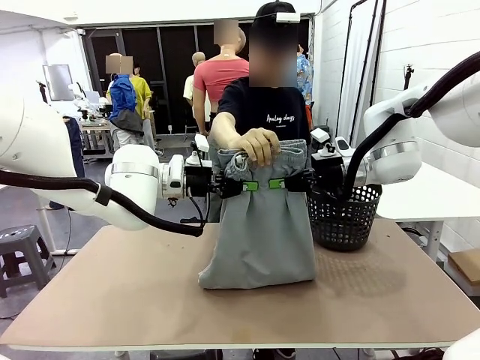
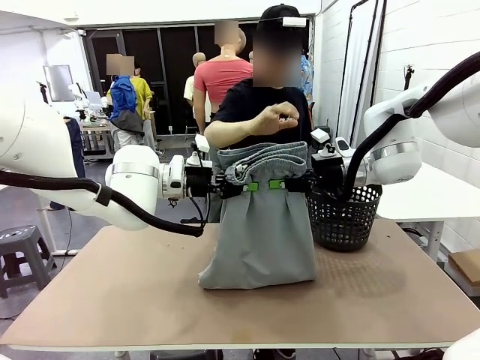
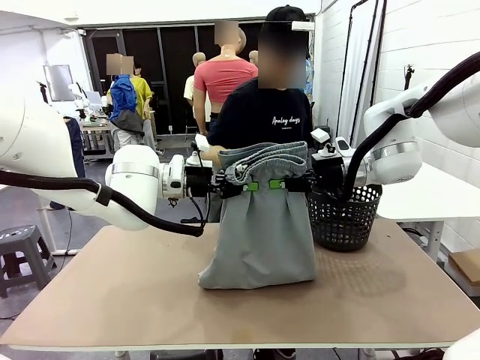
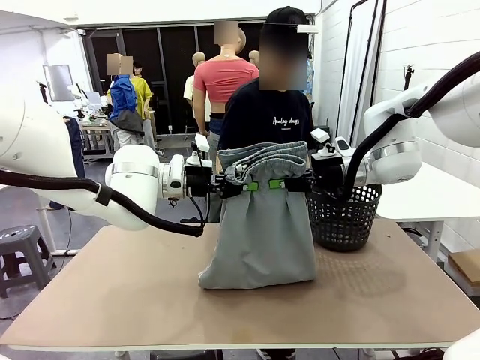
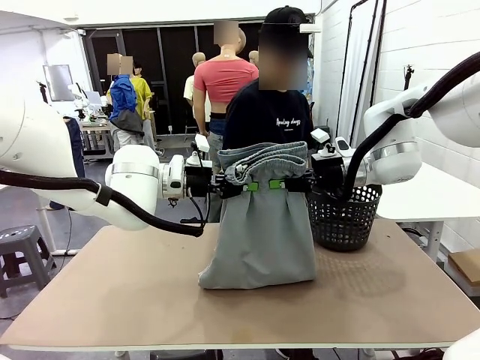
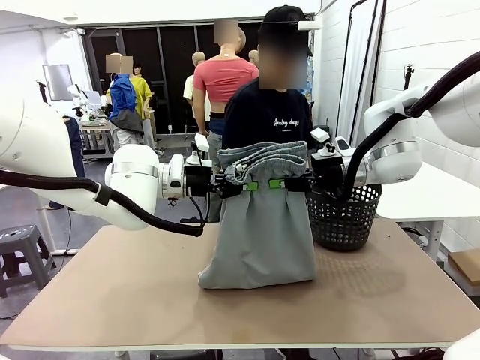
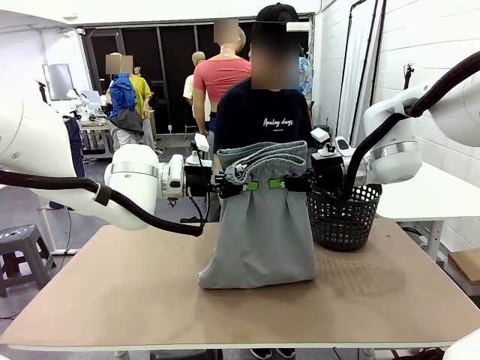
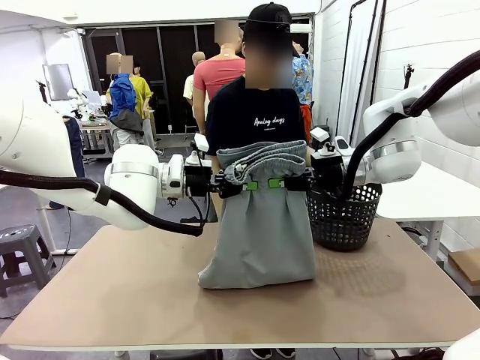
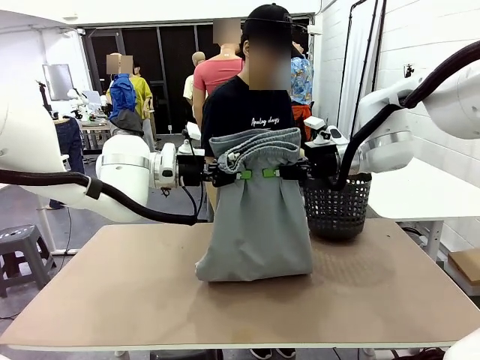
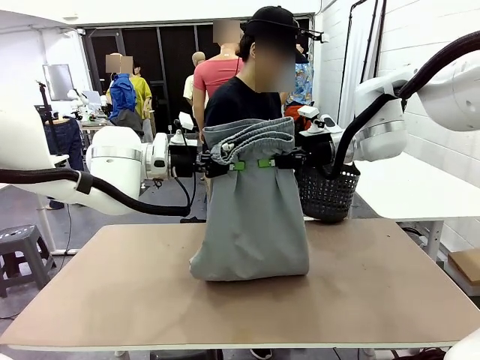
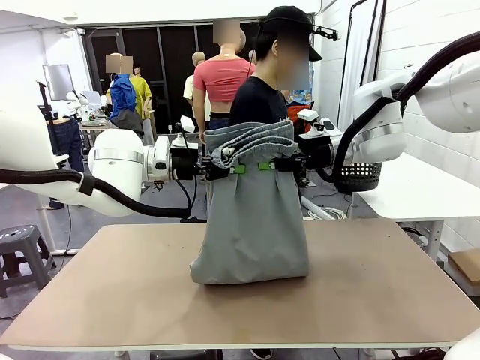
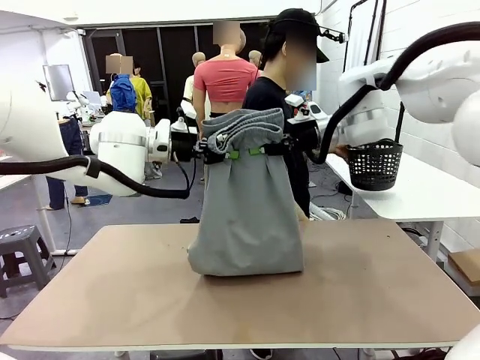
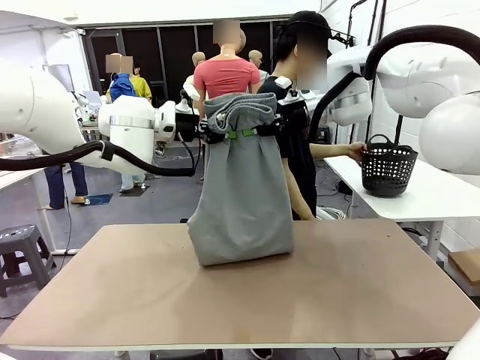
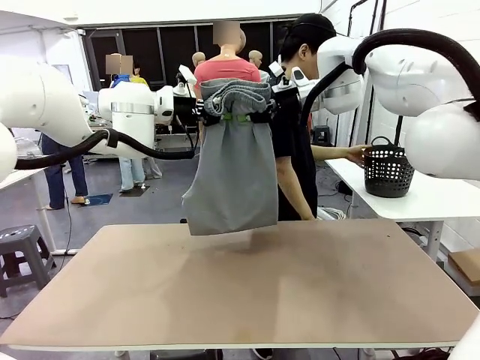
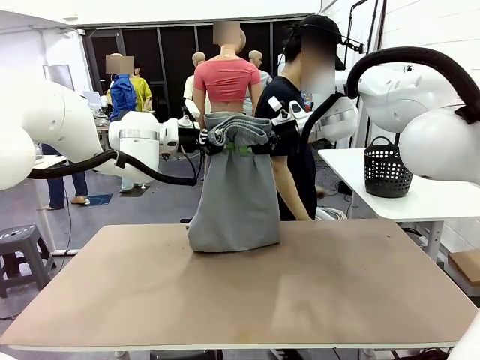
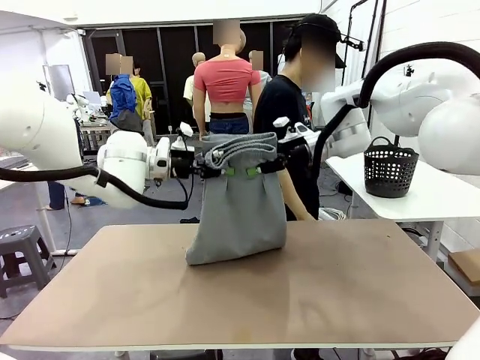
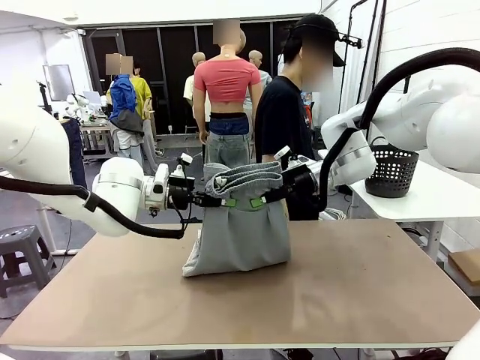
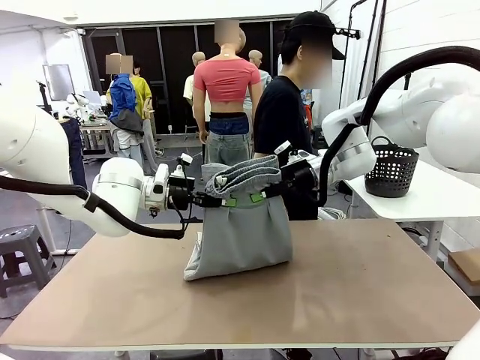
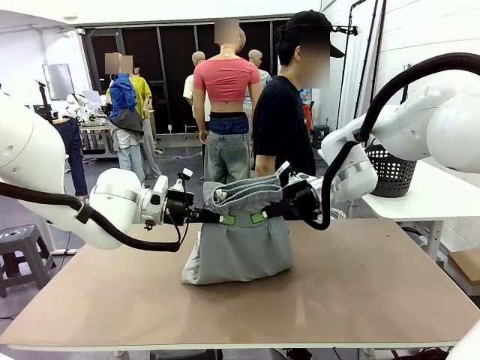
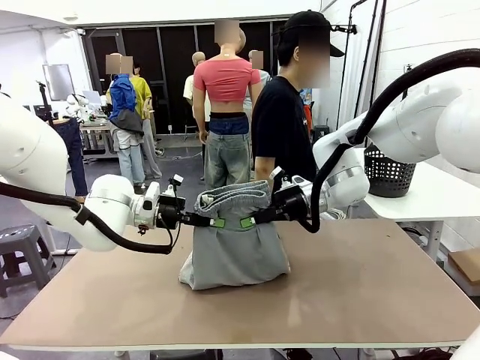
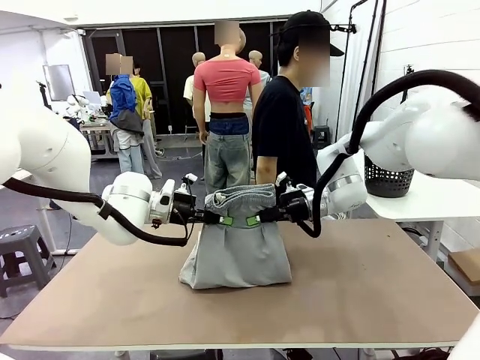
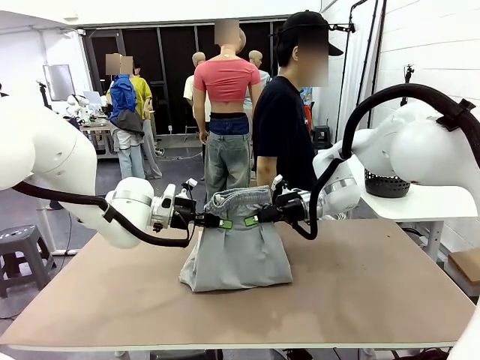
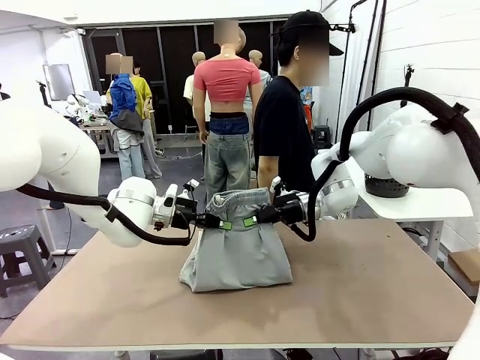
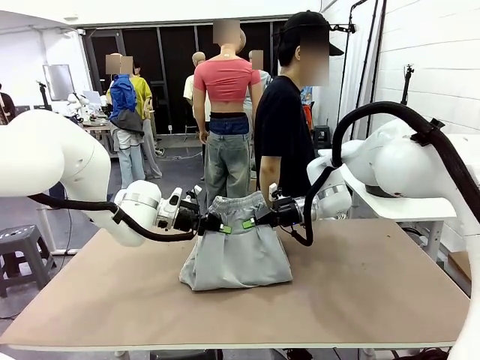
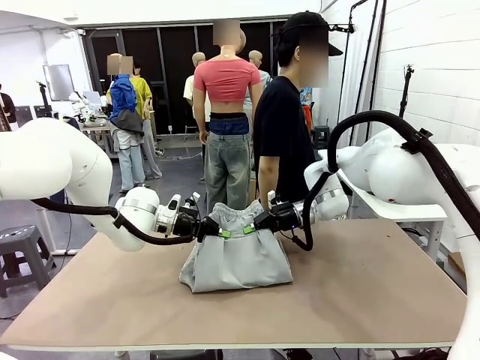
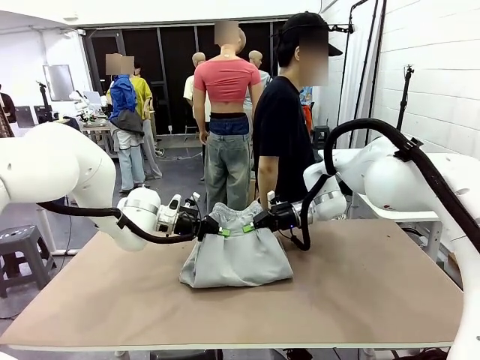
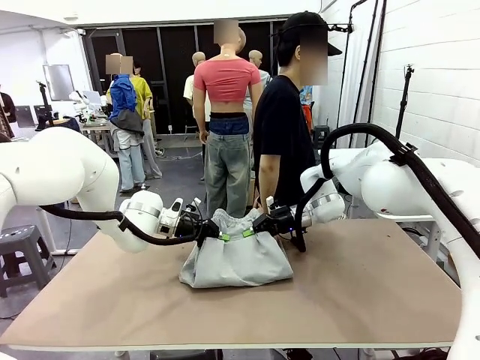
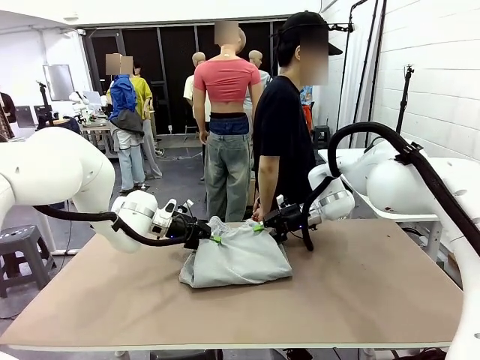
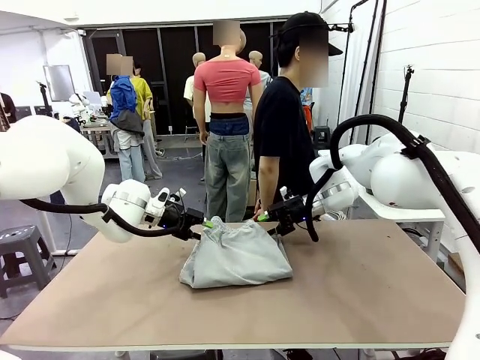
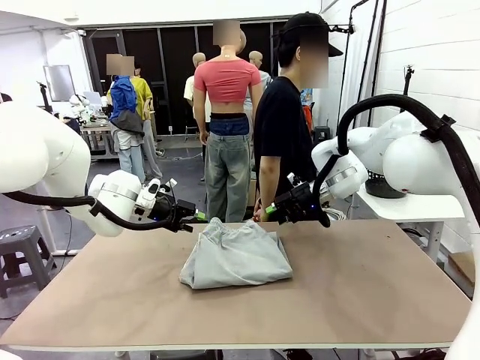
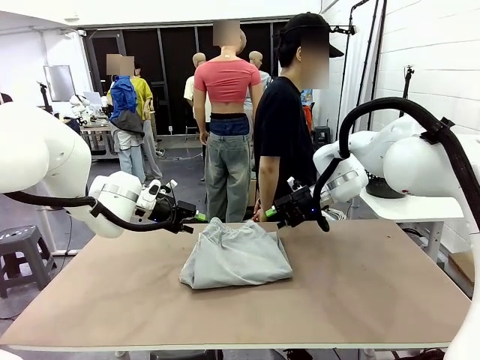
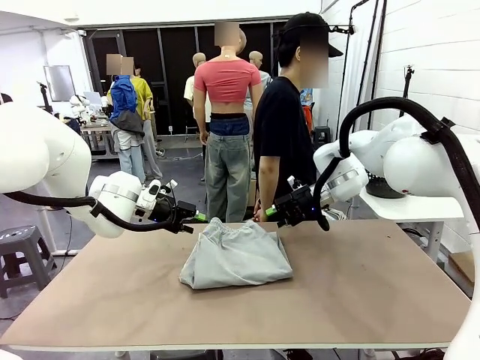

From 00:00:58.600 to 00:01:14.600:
Task: Fold the training pants.
Robot: Fold the Training pants in half.
Person: Move the laundry basket to the right of the human table.

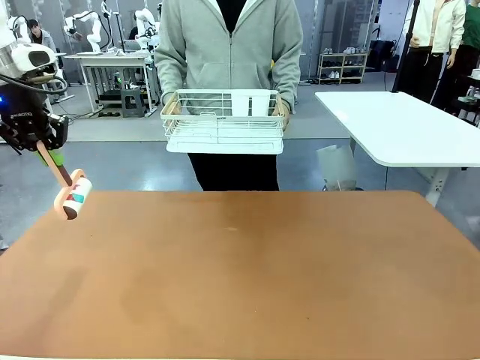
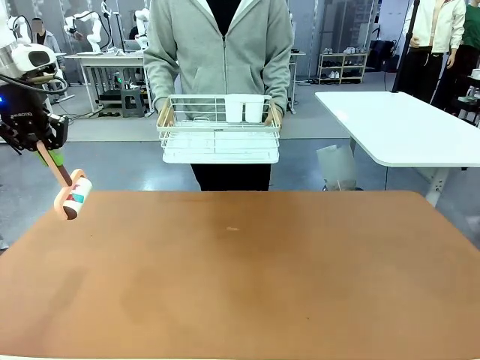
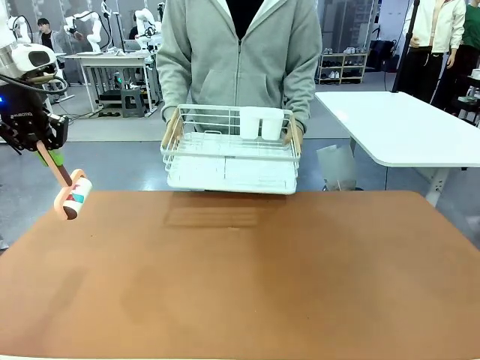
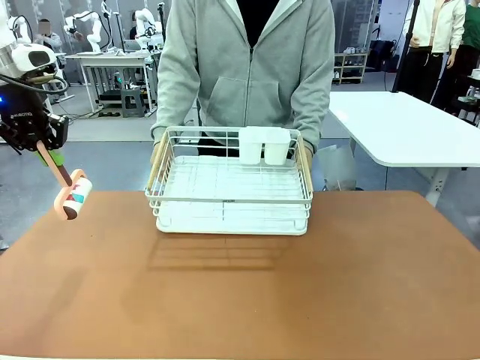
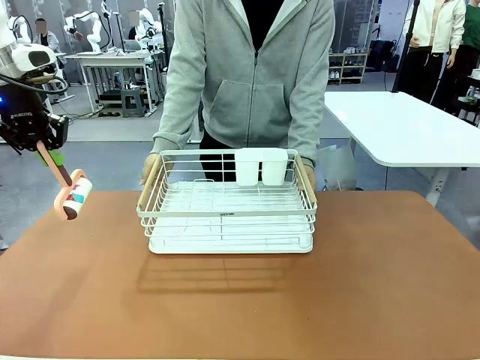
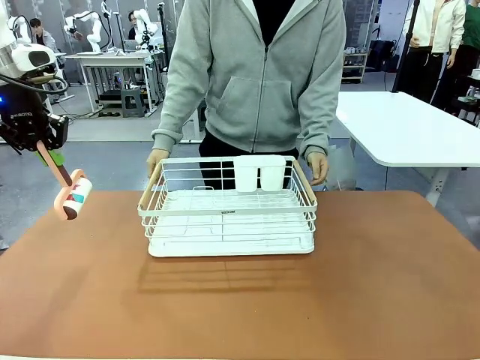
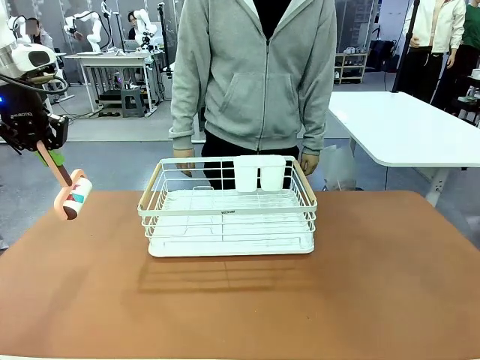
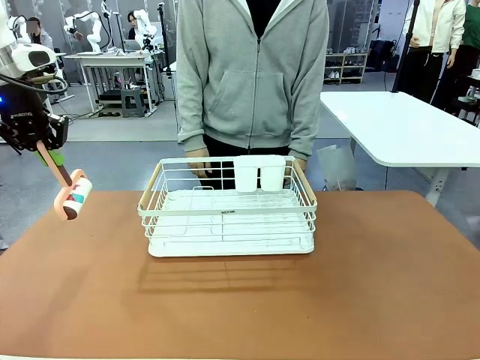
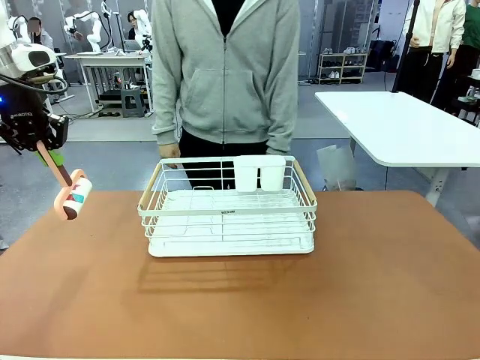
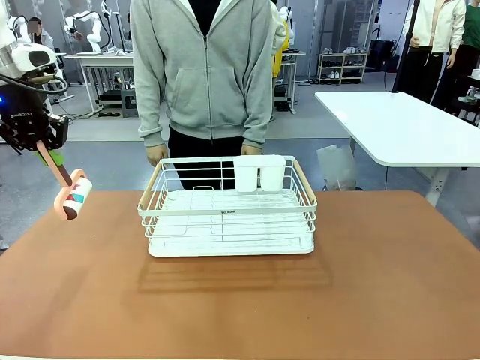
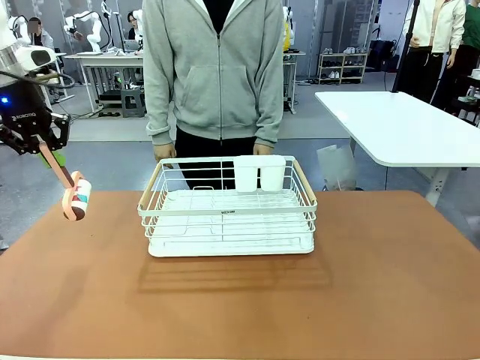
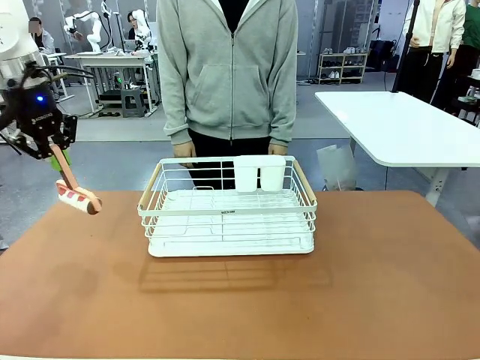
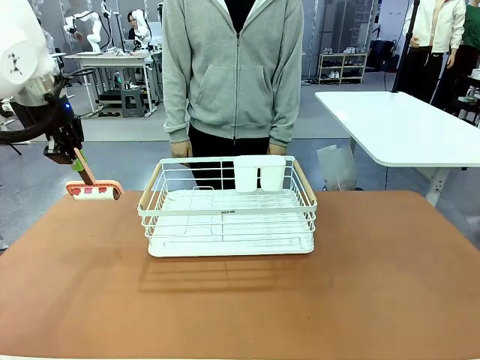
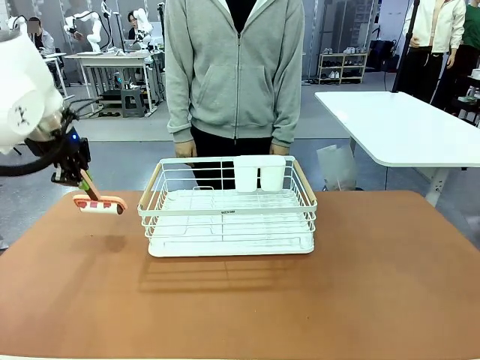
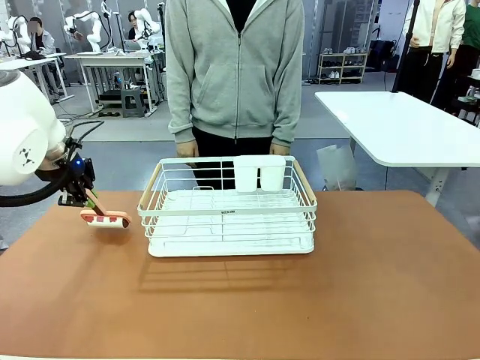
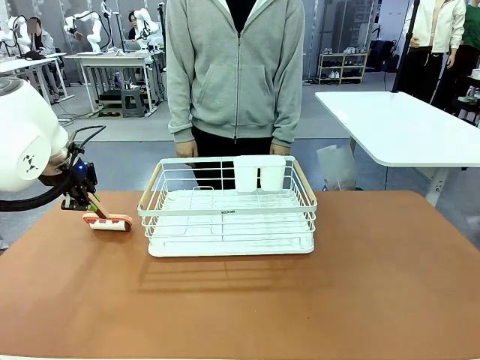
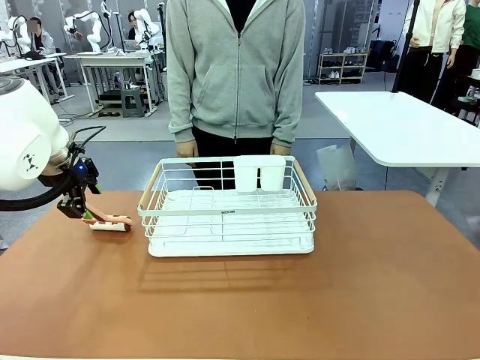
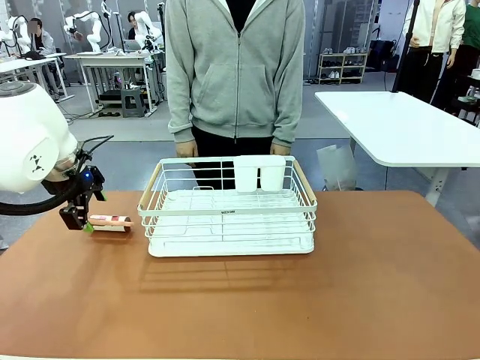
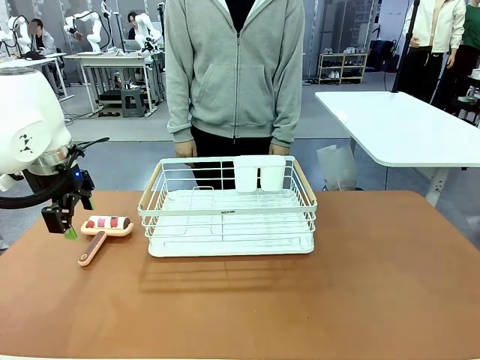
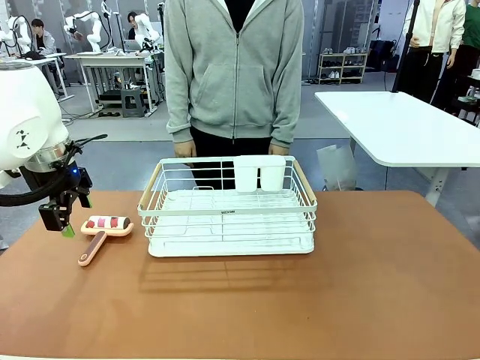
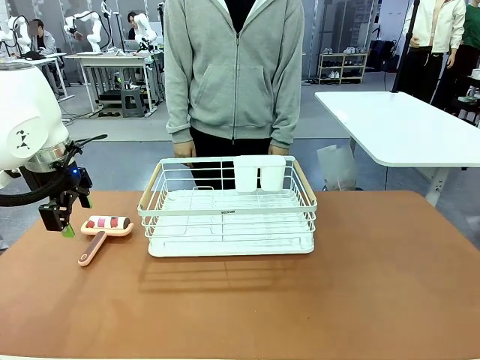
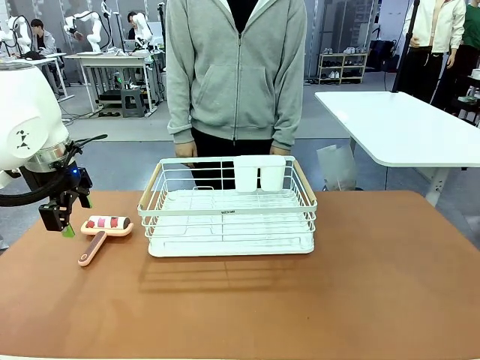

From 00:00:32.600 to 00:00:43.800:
Task: Clean the table.
Robot: Place the Lint Roller down when the Dish drying rack is positioned in the middle of the table.
